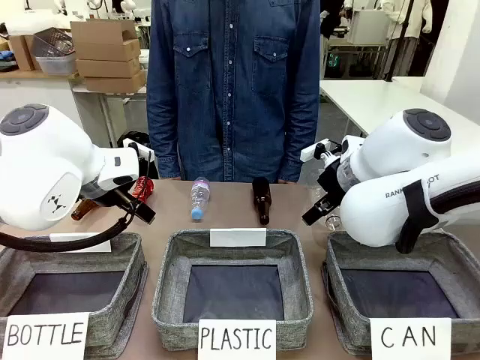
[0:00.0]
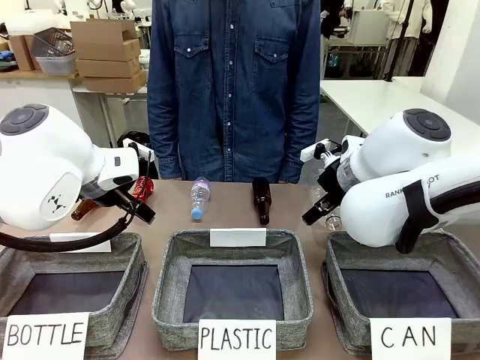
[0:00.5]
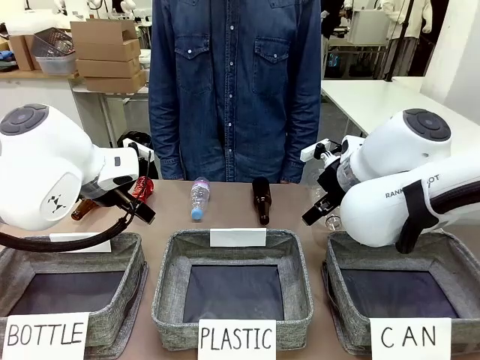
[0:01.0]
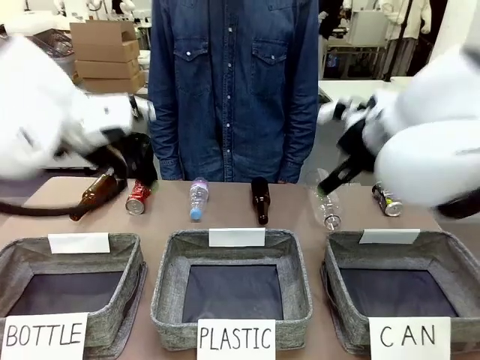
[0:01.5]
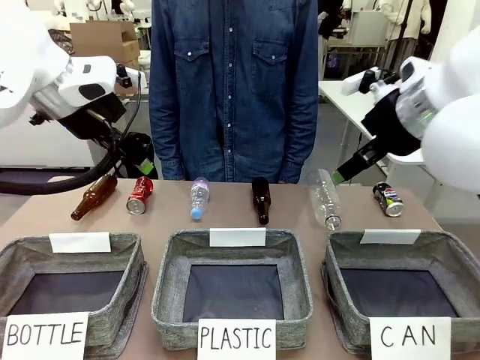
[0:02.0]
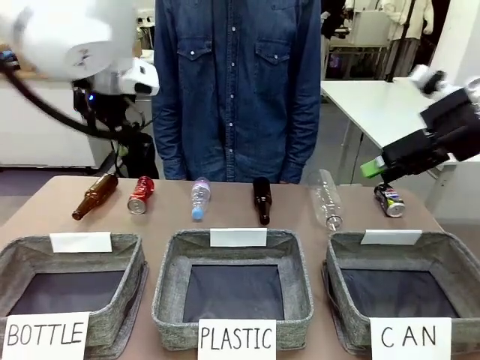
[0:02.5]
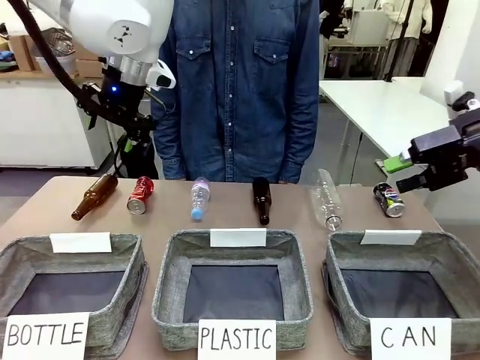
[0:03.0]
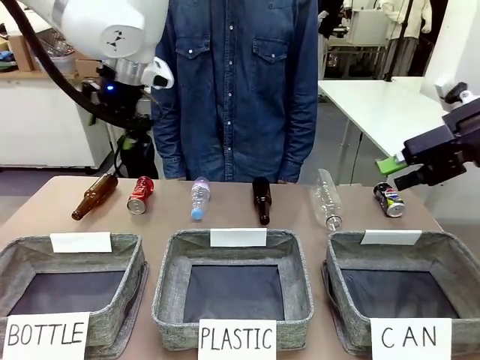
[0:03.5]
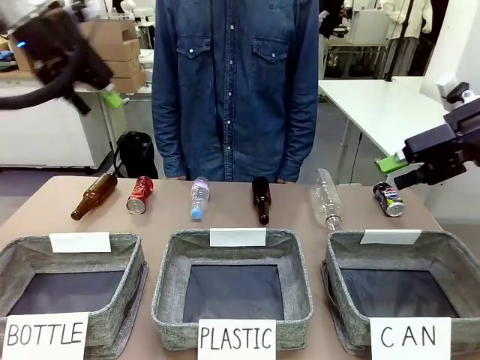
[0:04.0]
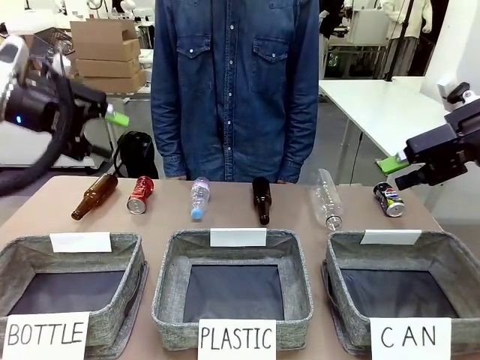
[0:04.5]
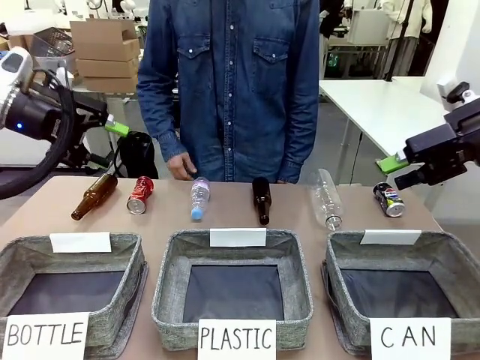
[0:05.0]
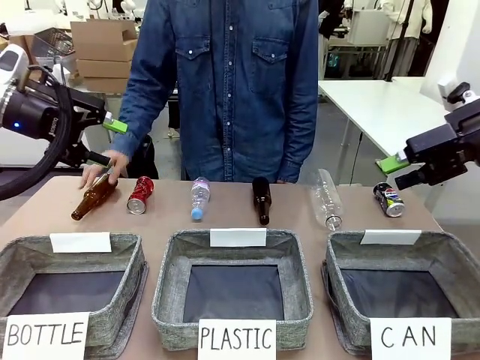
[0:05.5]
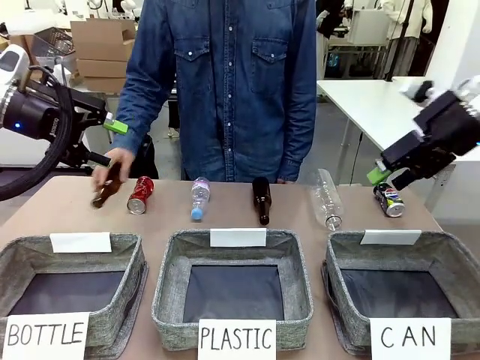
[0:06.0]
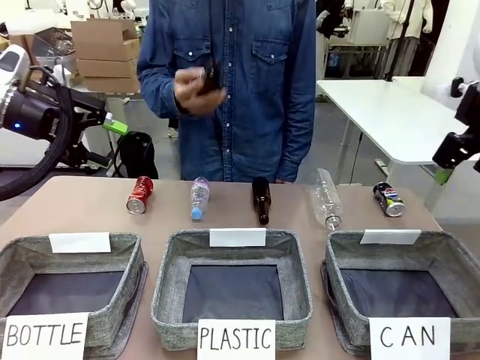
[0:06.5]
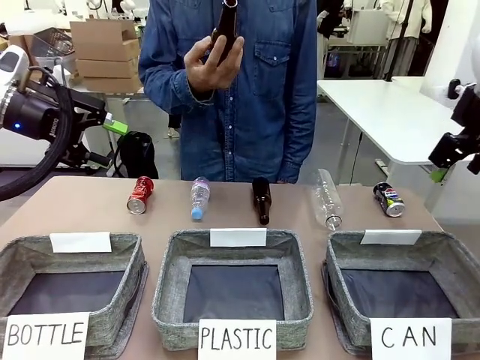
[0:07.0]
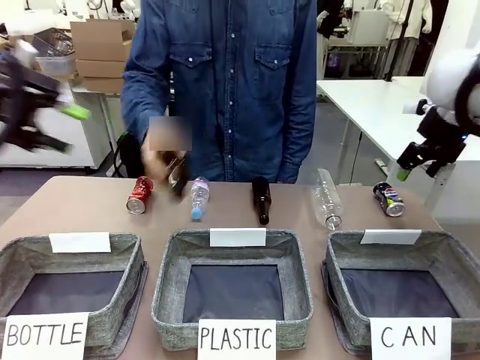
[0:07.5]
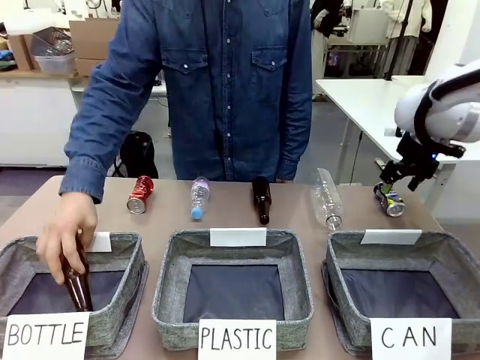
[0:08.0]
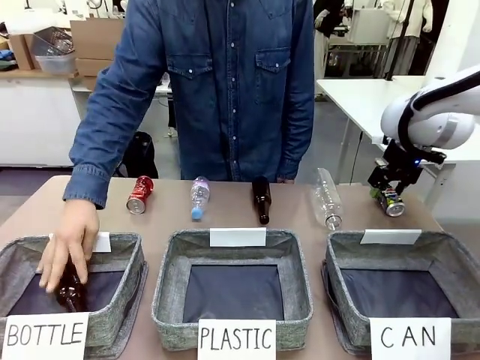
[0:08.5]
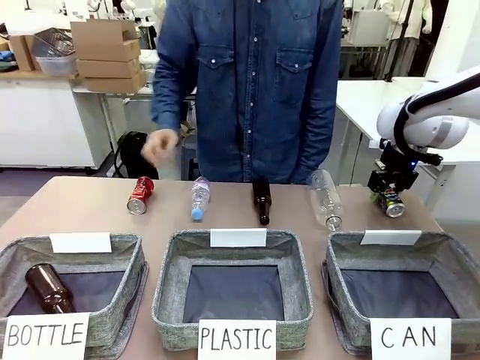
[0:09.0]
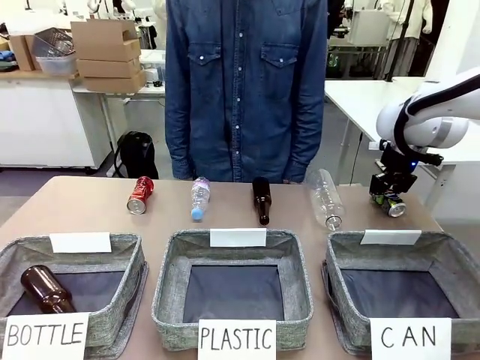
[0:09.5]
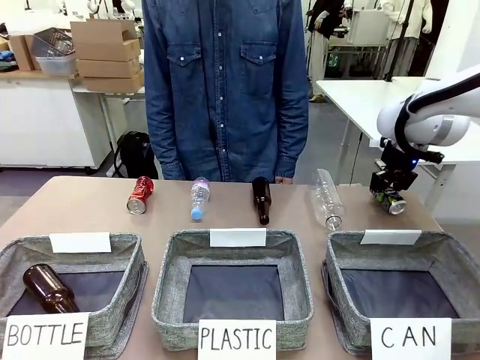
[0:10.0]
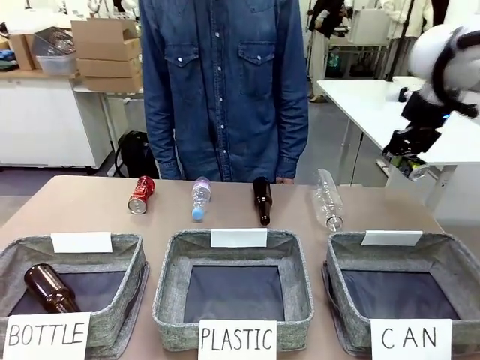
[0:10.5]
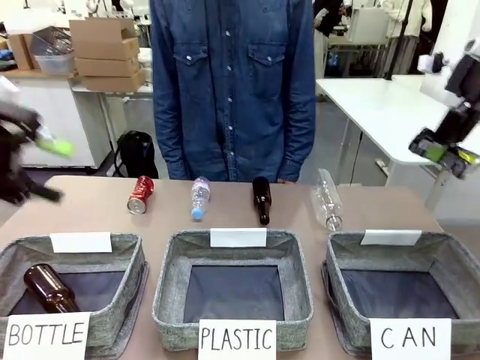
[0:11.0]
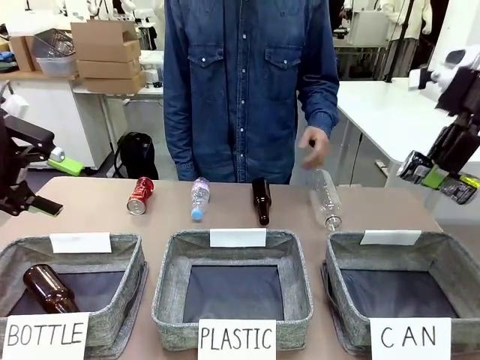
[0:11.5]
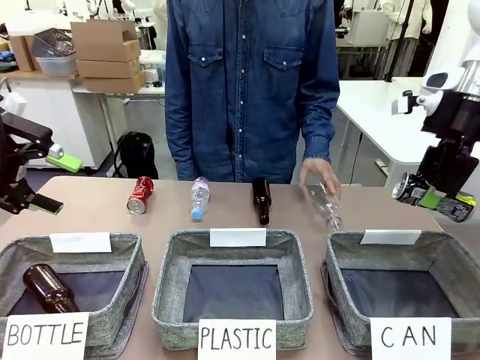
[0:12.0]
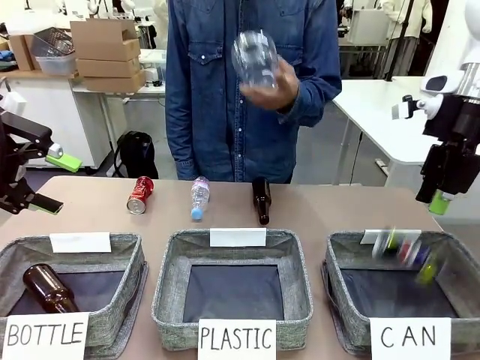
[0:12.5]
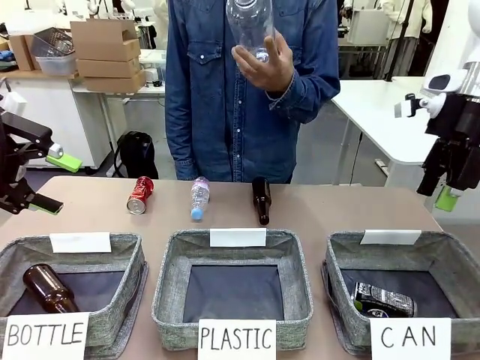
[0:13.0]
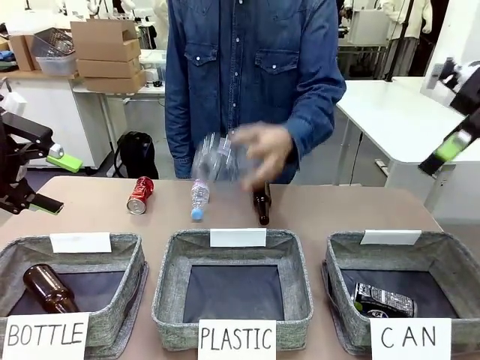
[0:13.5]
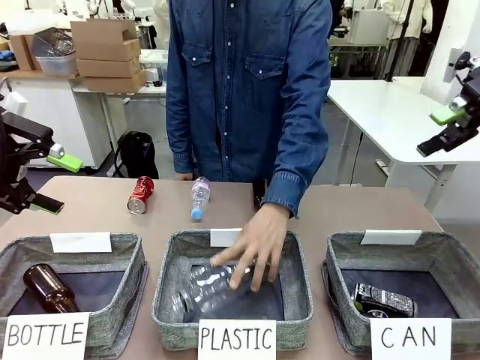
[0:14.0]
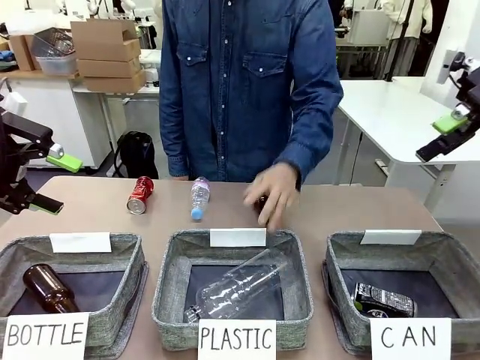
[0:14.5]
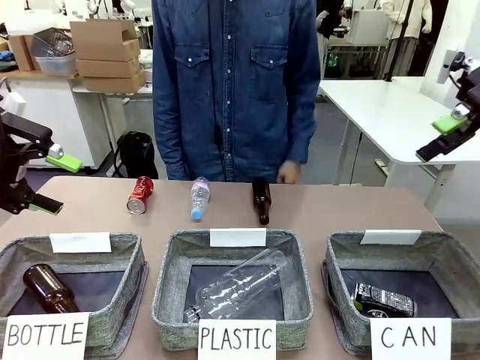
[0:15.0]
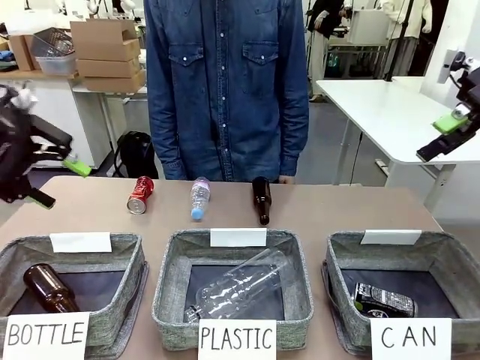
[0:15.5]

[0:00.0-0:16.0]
Task: Sort the can waste into the basket.
Robot: Pick up the can waste from the table and place it in the right Fabric basket.
